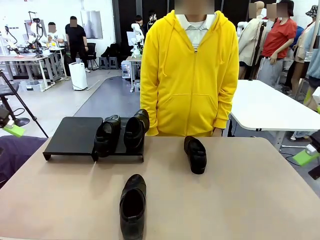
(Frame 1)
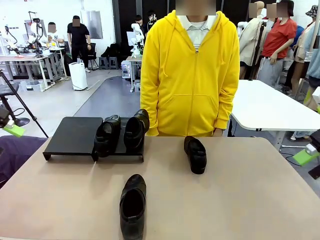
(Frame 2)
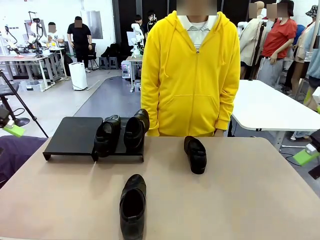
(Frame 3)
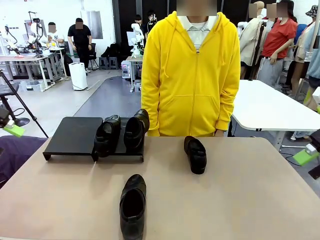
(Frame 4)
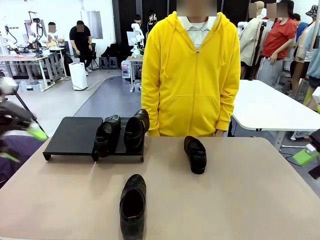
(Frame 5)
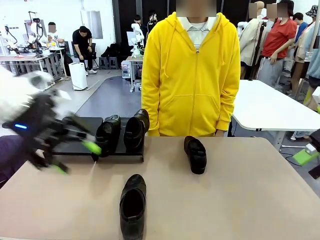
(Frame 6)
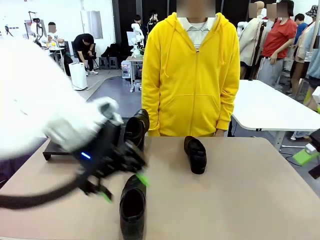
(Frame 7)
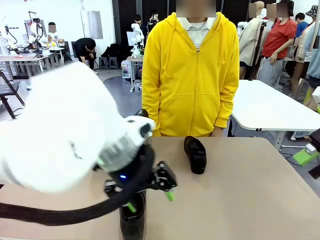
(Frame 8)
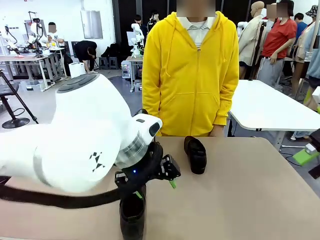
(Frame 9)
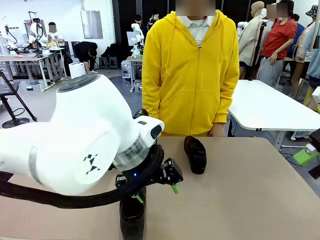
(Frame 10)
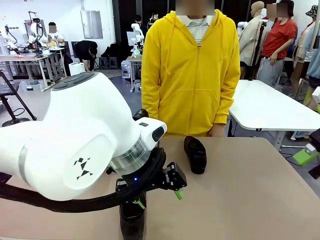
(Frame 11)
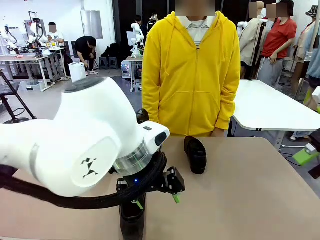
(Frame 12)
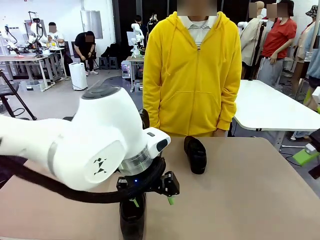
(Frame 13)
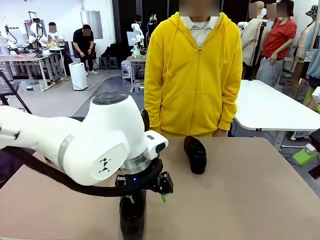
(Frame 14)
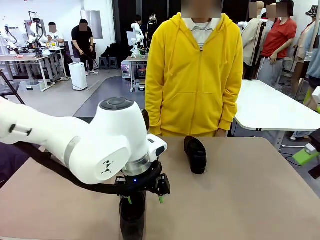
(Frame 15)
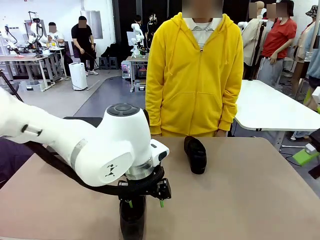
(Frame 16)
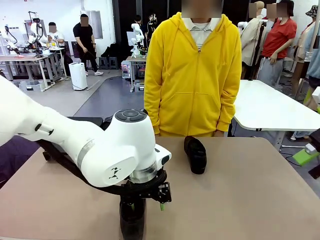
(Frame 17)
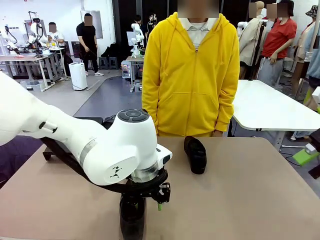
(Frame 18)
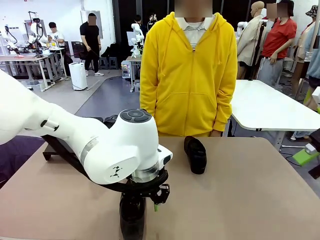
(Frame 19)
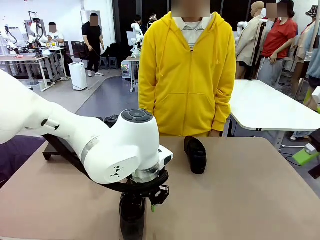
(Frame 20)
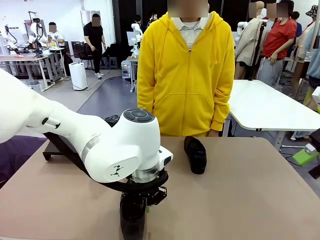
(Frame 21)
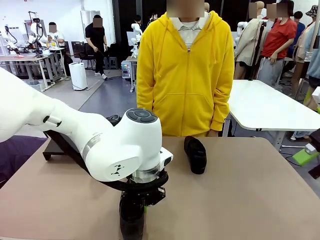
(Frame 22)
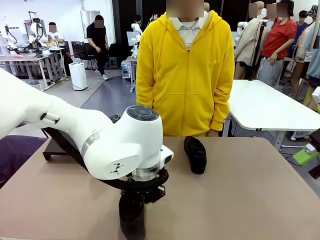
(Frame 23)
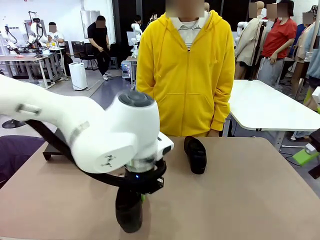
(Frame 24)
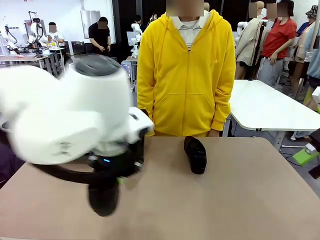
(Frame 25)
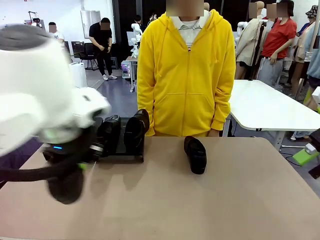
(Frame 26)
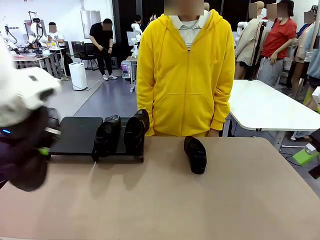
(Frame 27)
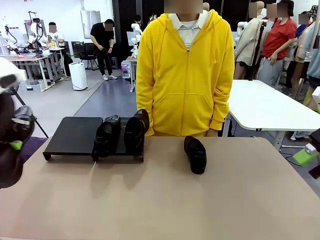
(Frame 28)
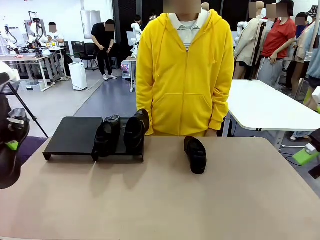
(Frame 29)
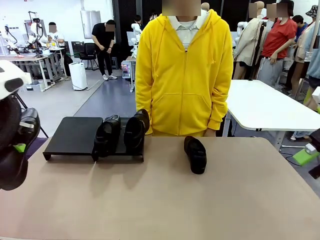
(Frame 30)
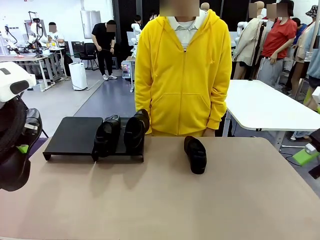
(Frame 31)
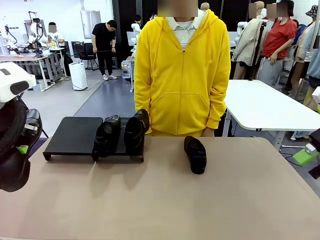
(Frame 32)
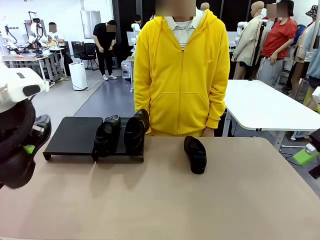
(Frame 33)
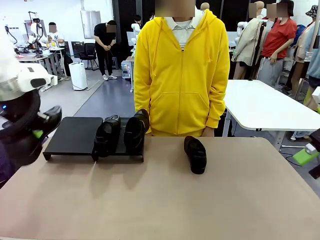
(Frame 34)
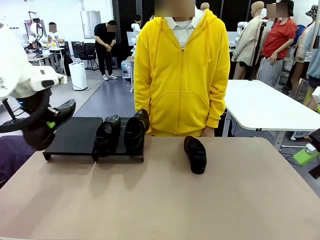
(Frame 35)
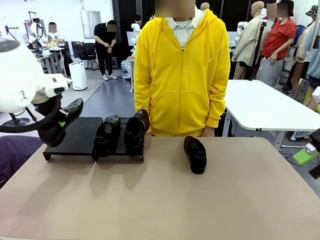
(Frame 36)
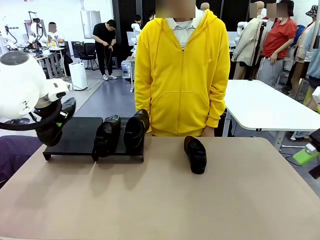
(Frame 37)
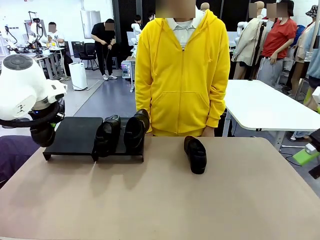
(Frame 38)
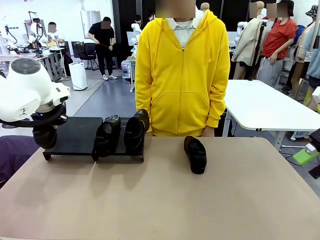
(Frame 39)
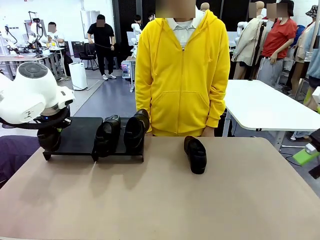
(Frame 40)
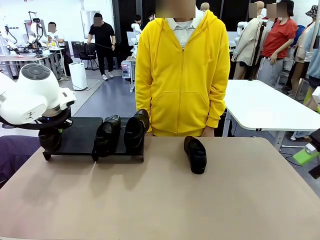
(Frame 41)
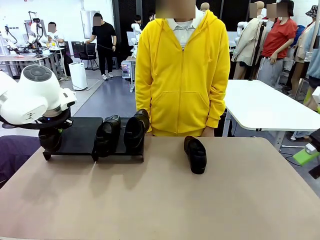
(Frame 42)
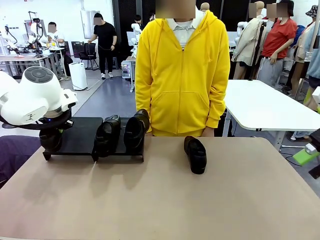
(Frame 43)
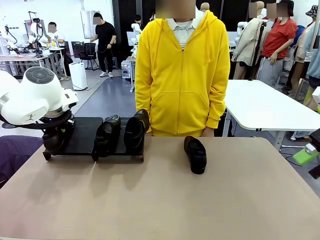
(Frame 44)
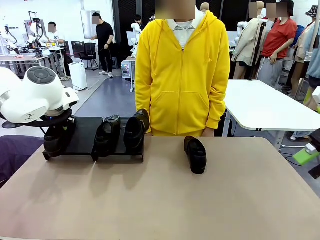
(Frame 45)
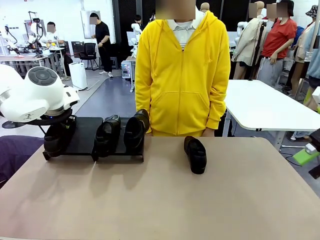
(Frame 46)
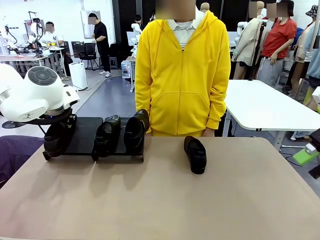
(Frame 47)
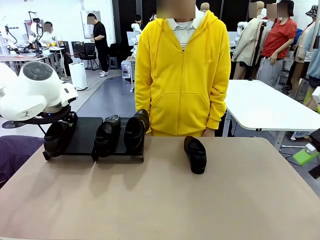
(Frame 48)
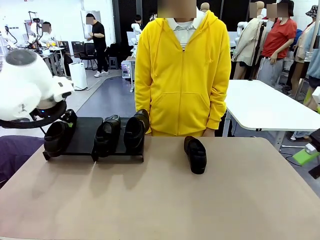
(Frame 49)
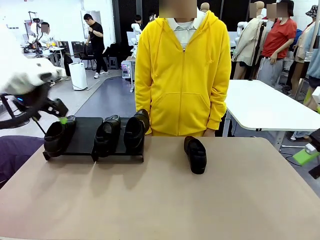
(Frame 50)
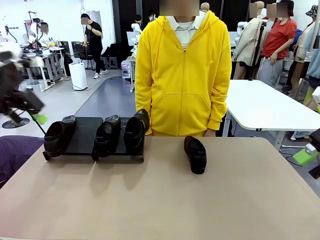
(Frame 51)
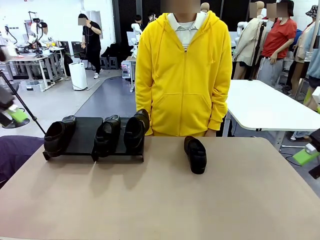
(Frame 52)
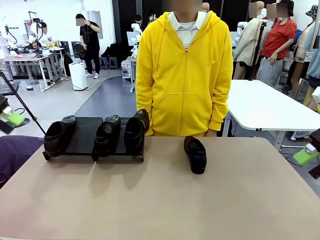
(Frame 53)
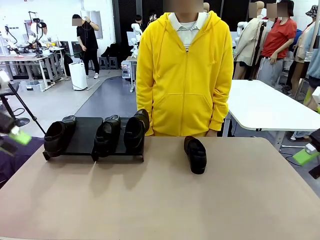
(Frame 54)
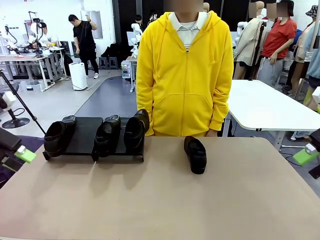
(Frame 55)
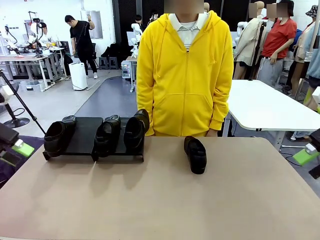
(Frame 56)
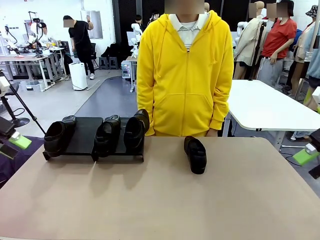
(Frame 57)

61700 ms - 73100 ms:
Task: Organize the shoes by placing them on the stand.
Robot: Place the Shoe from the middle of the table onto the Shoes Stand.

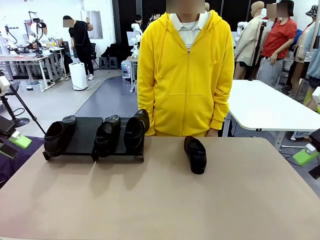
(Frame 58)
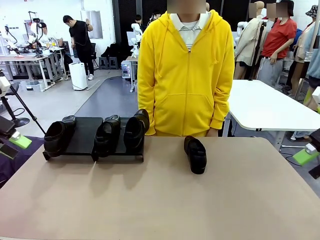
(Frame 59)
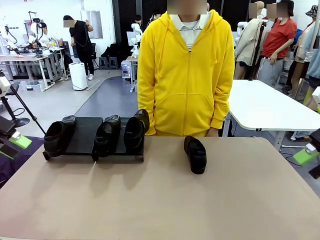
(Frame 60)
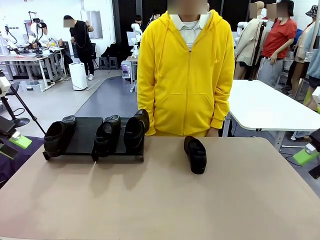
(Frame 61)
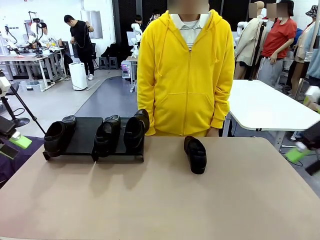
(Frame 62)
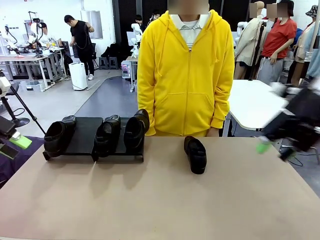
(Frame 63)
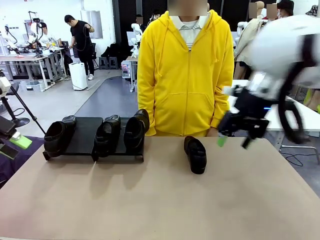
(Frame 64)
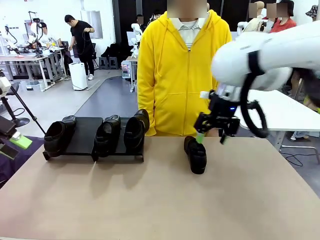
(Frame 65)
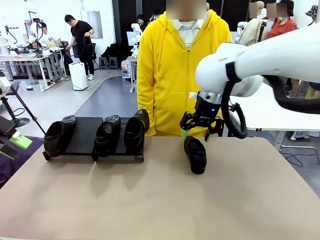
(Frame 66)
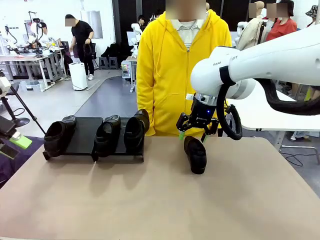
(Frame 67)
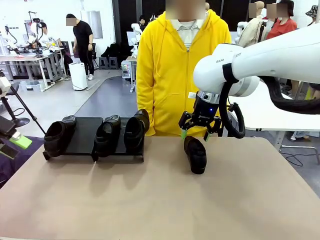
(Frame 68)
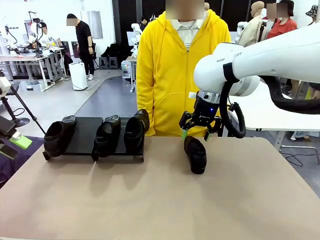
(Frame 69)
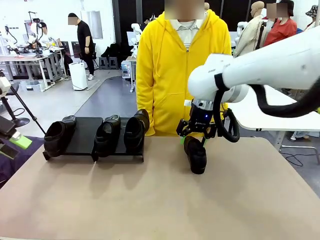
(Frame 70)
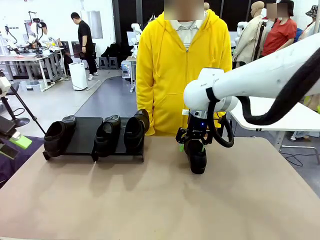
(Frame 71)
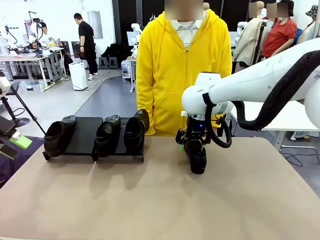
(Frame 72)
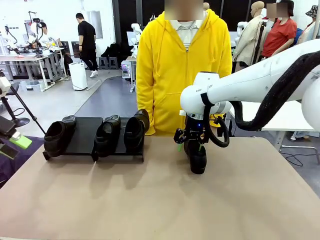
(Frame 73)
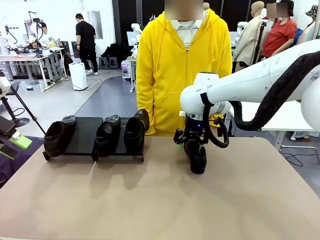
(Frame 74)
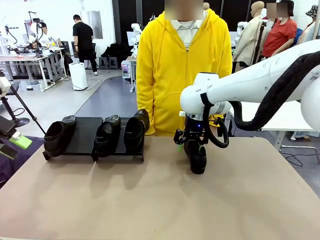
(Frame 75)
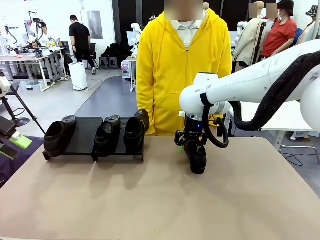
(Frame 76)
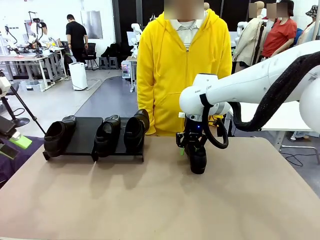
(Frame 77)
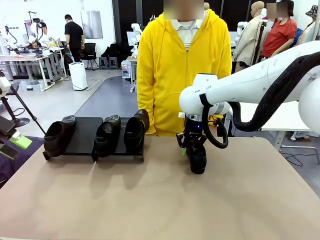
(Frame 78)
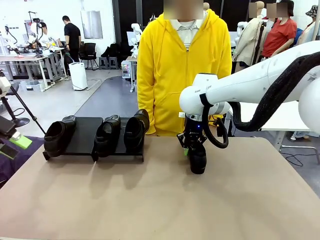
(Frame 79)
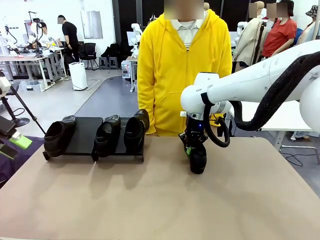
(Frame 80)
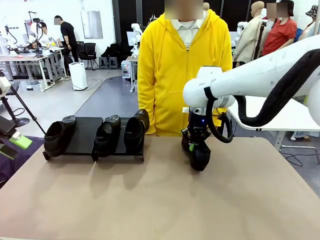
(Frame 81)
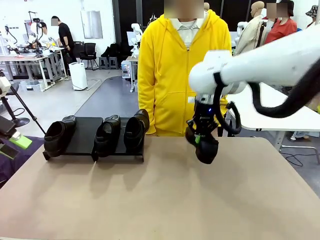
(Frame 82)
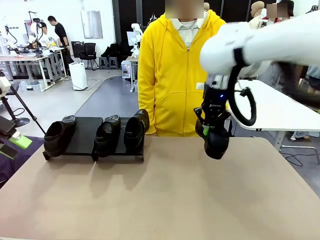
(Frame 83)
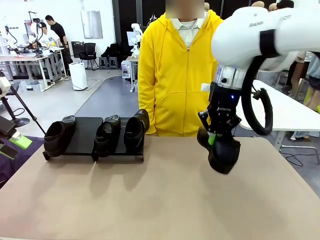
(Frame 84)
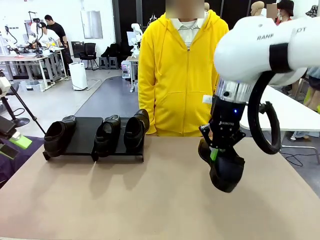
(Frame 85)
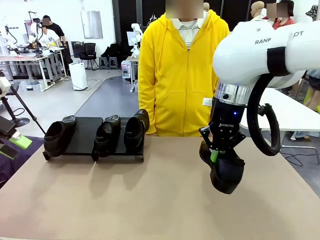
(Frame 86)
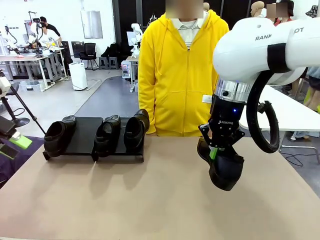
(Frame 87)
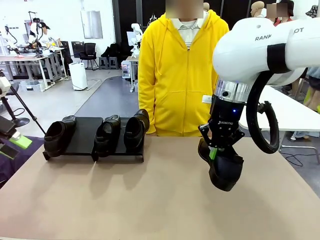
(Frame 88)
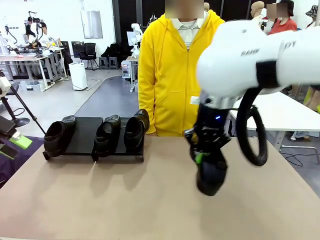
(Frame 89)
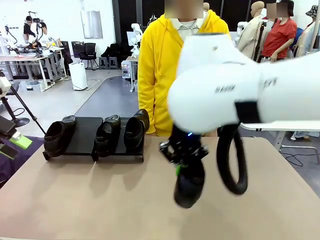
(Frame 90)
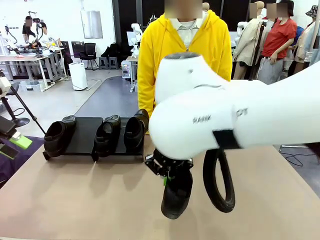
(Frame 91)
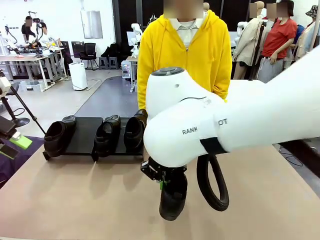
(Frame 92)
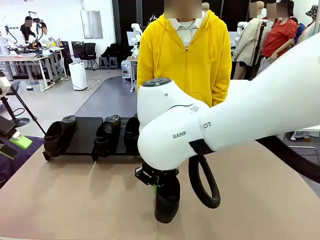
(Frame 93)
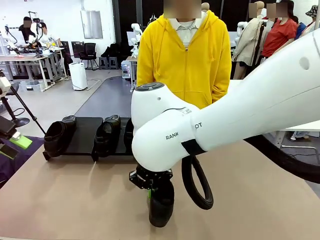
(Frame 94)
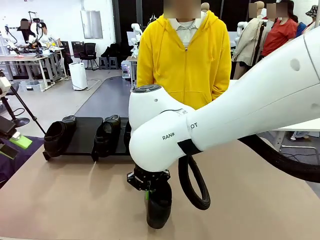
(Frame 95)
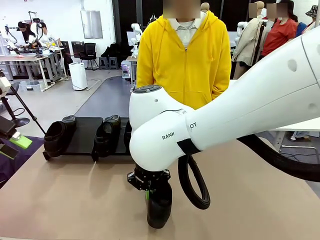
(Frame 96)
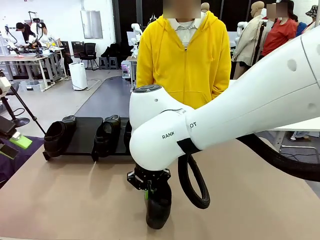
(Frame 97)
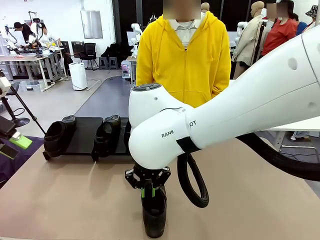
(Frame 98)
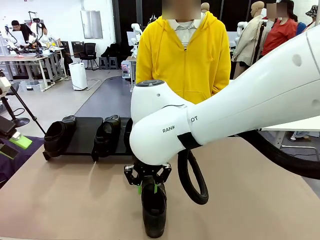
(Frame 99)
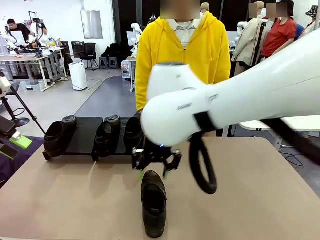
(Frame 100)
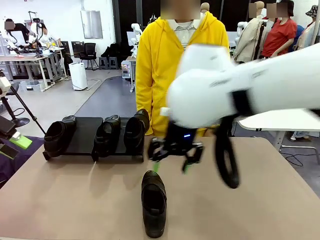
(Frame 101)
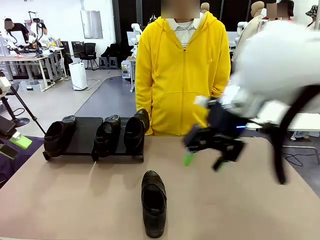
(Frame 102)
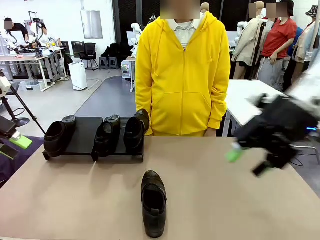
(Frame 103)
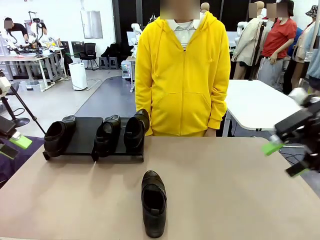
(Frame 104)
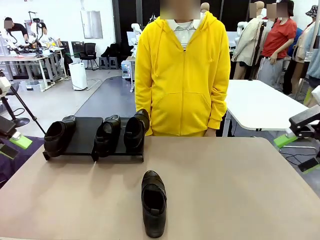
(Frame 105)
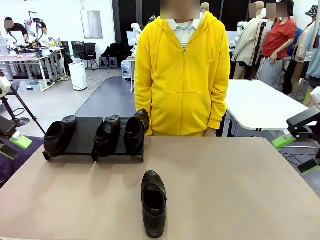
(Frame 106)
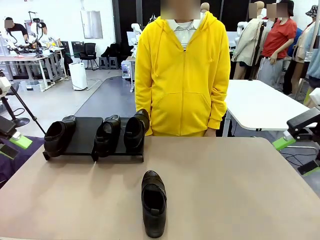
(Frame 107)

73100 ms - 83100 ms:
Robot: Pick up one Shoe and place it in the middle of the table.
